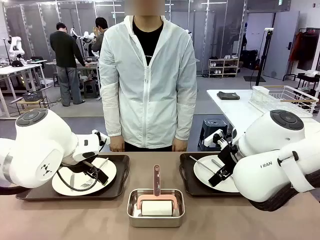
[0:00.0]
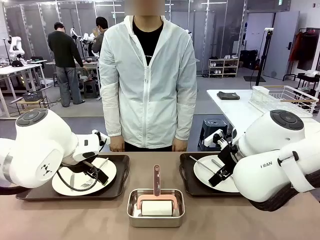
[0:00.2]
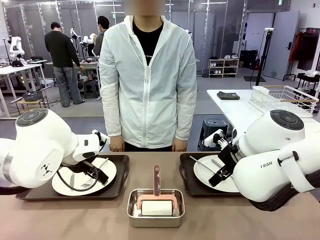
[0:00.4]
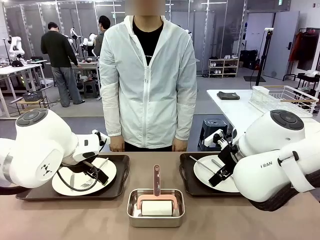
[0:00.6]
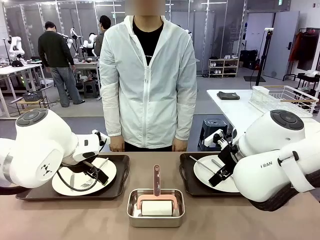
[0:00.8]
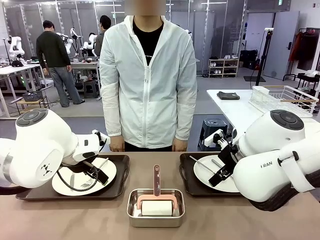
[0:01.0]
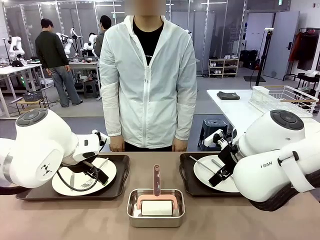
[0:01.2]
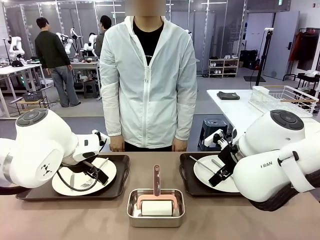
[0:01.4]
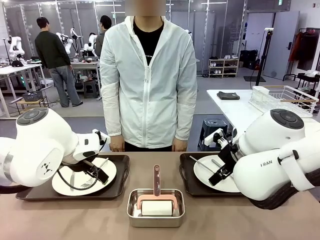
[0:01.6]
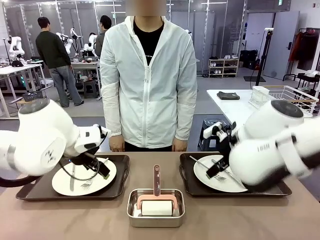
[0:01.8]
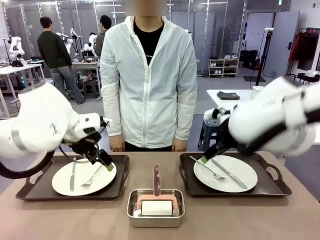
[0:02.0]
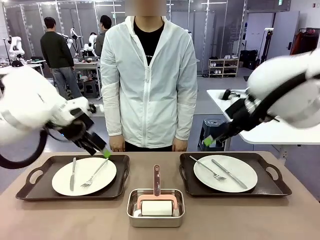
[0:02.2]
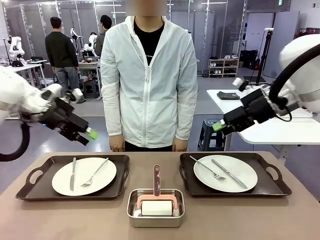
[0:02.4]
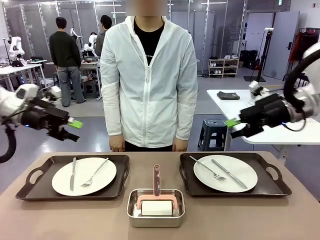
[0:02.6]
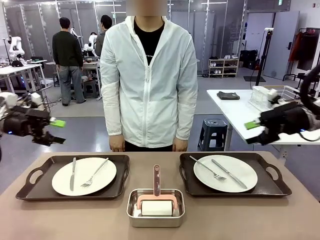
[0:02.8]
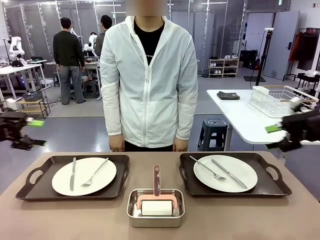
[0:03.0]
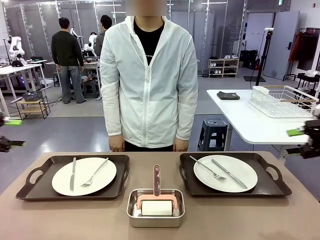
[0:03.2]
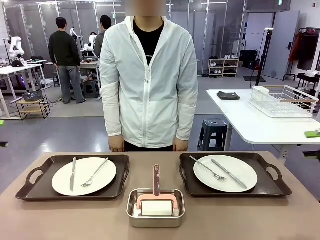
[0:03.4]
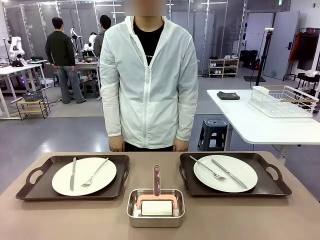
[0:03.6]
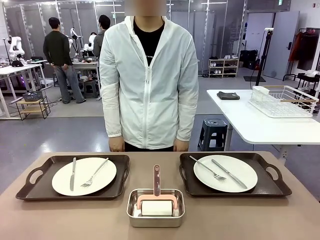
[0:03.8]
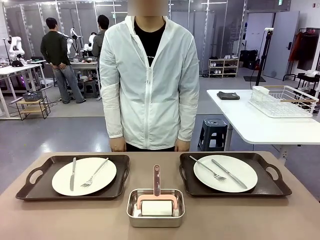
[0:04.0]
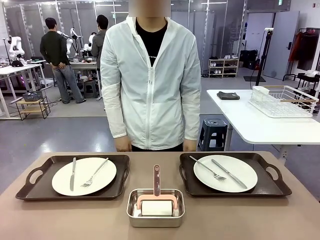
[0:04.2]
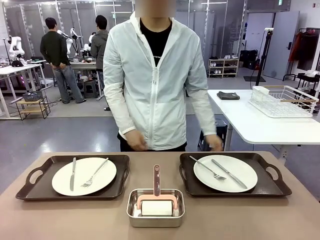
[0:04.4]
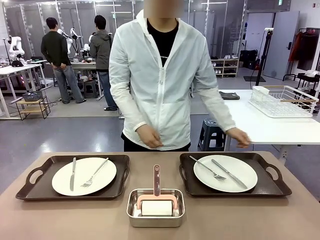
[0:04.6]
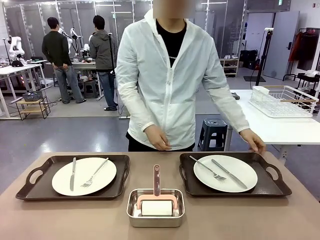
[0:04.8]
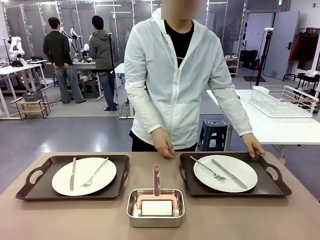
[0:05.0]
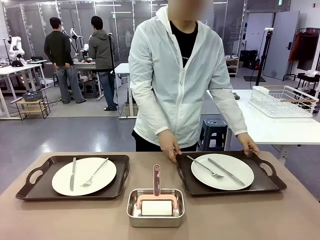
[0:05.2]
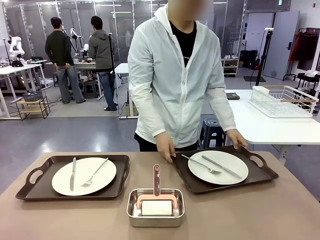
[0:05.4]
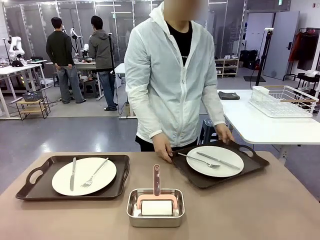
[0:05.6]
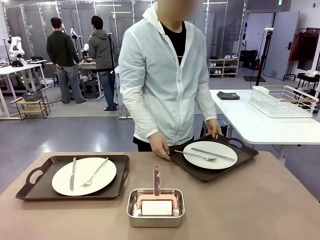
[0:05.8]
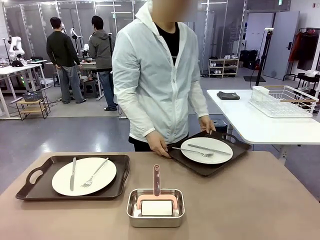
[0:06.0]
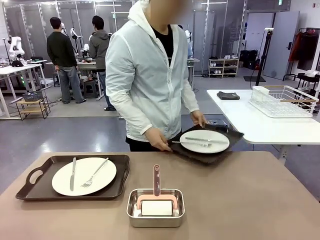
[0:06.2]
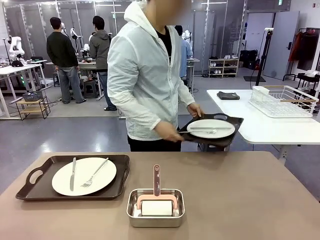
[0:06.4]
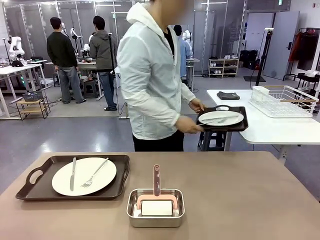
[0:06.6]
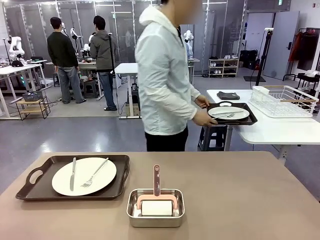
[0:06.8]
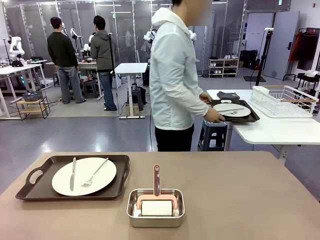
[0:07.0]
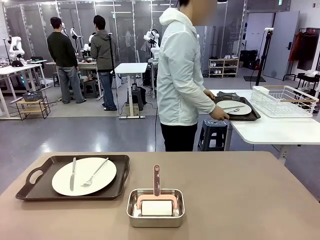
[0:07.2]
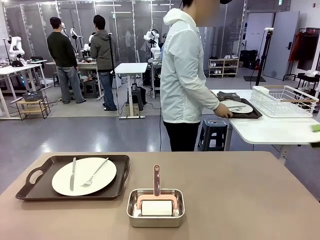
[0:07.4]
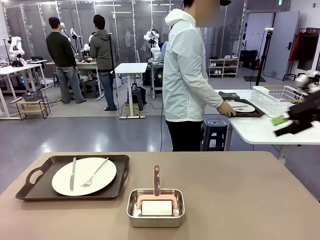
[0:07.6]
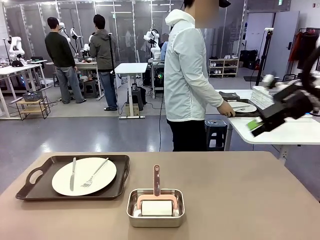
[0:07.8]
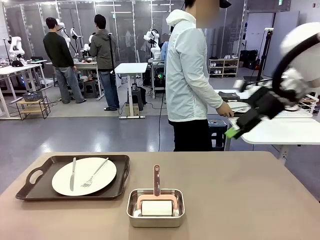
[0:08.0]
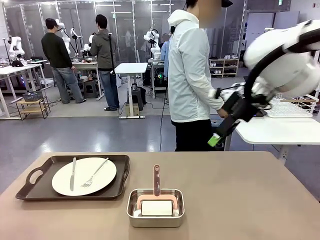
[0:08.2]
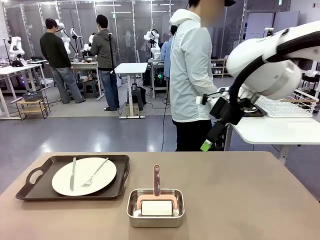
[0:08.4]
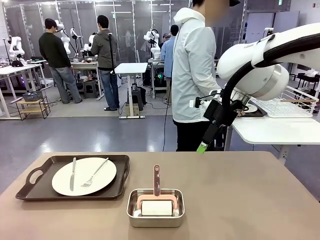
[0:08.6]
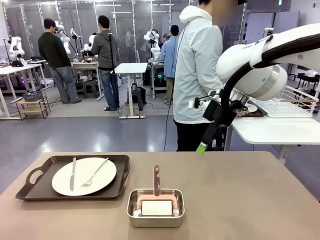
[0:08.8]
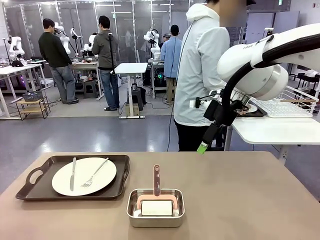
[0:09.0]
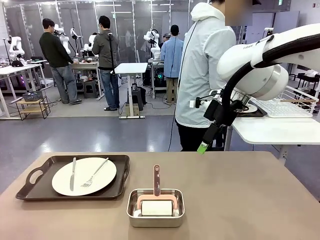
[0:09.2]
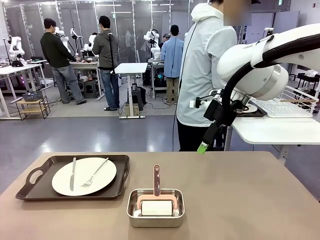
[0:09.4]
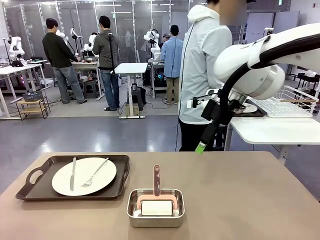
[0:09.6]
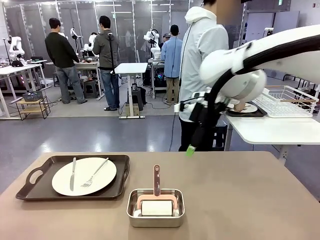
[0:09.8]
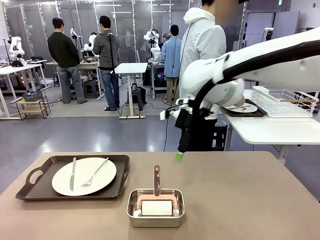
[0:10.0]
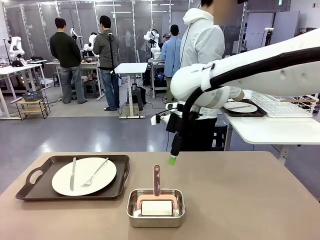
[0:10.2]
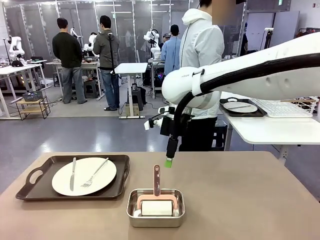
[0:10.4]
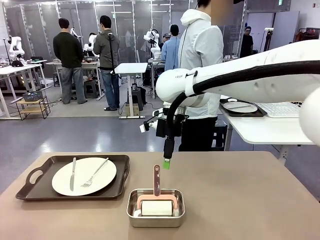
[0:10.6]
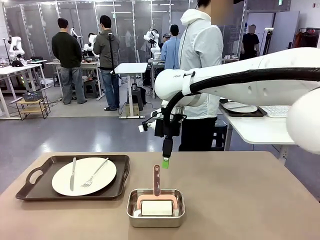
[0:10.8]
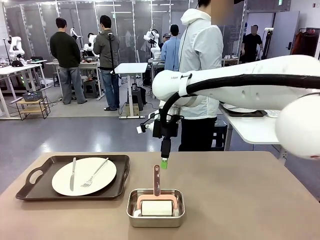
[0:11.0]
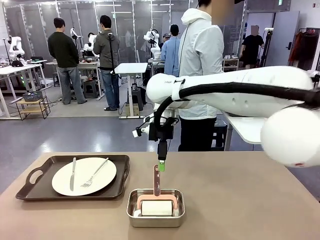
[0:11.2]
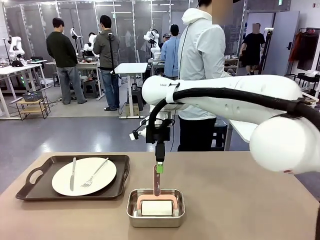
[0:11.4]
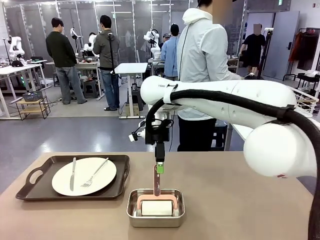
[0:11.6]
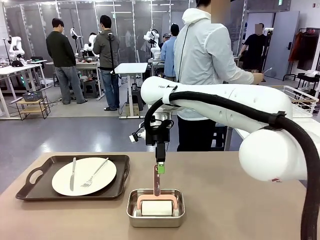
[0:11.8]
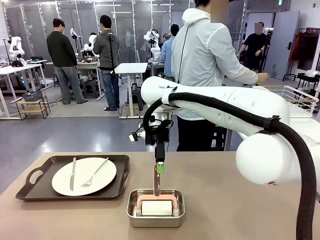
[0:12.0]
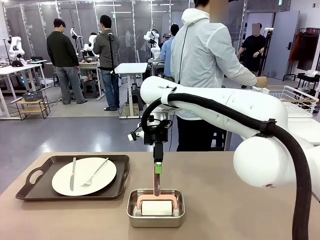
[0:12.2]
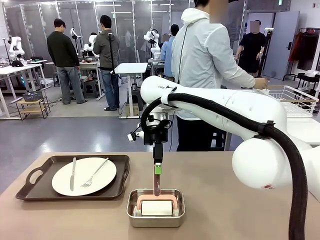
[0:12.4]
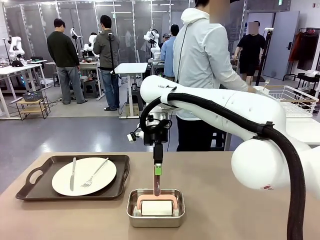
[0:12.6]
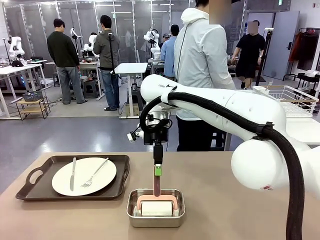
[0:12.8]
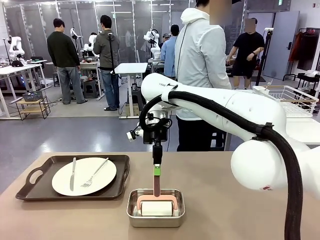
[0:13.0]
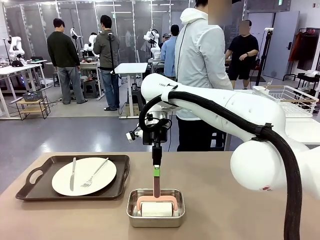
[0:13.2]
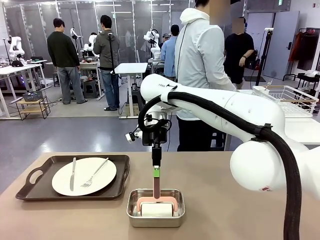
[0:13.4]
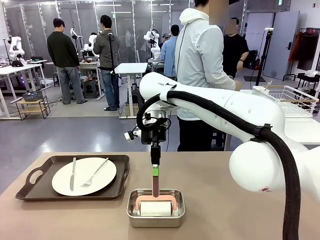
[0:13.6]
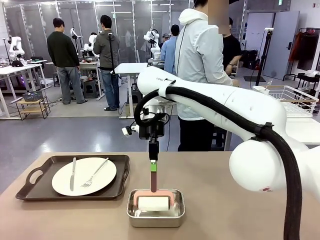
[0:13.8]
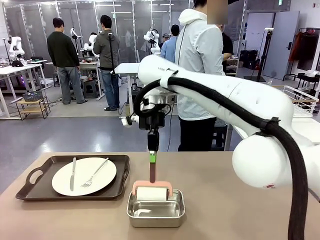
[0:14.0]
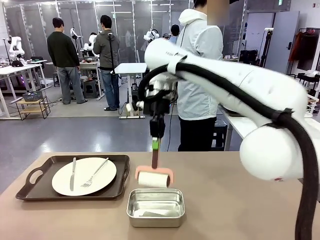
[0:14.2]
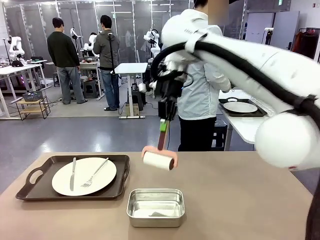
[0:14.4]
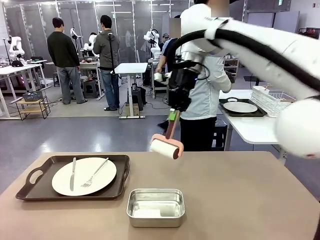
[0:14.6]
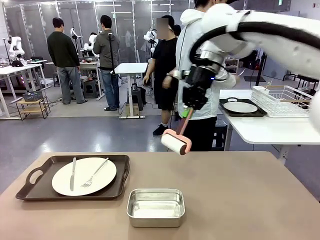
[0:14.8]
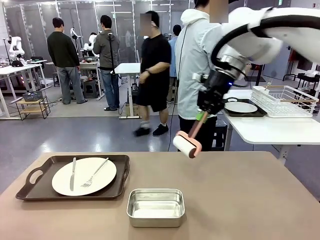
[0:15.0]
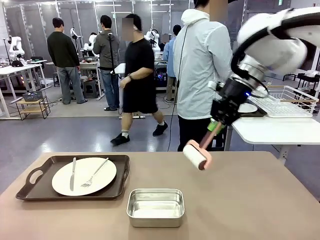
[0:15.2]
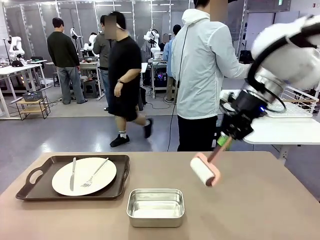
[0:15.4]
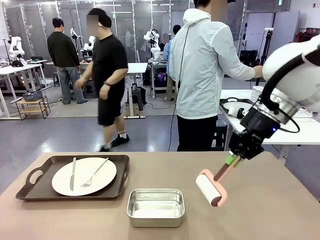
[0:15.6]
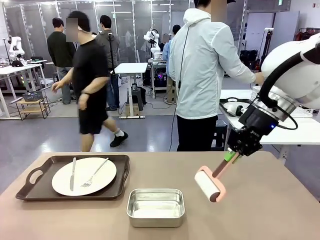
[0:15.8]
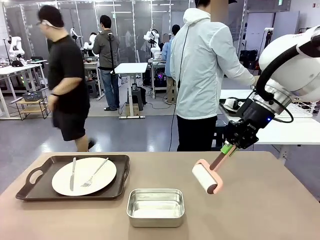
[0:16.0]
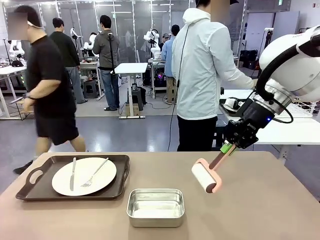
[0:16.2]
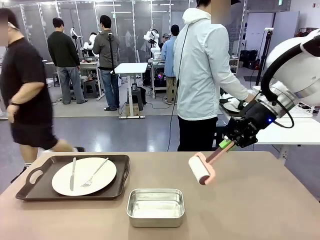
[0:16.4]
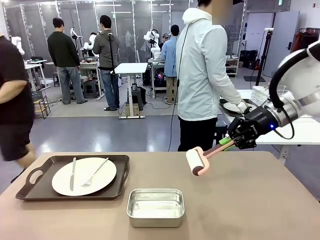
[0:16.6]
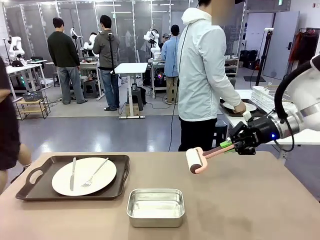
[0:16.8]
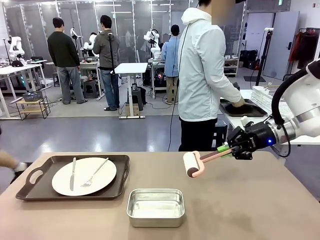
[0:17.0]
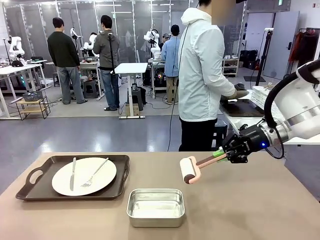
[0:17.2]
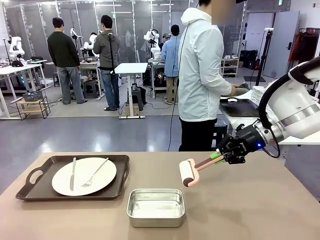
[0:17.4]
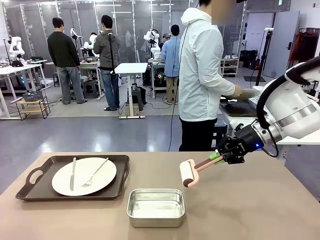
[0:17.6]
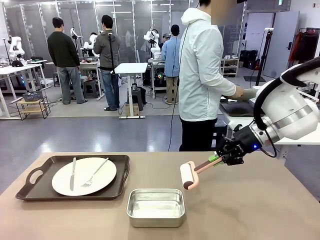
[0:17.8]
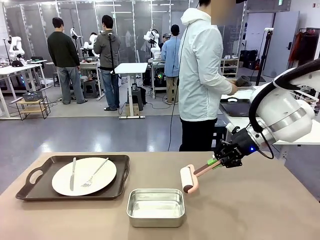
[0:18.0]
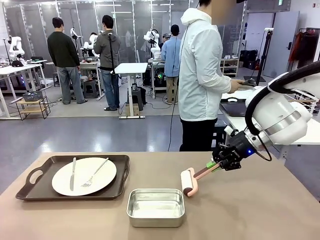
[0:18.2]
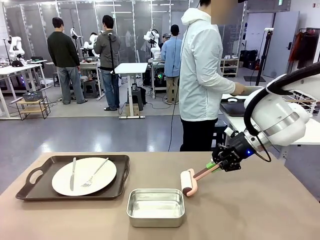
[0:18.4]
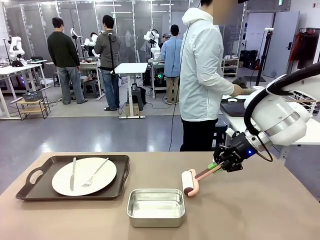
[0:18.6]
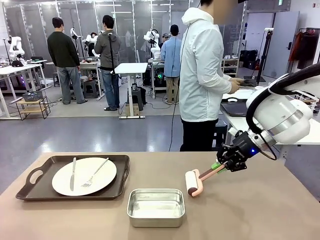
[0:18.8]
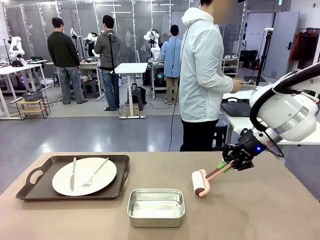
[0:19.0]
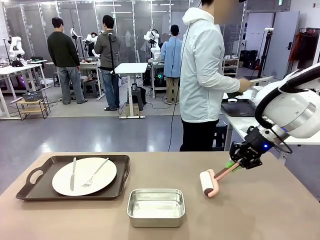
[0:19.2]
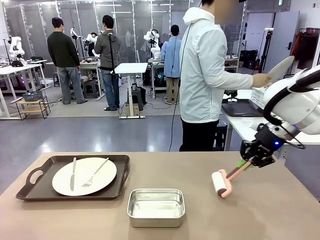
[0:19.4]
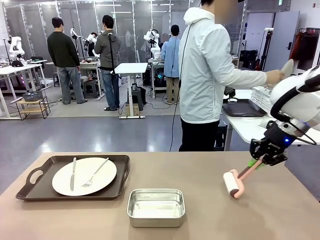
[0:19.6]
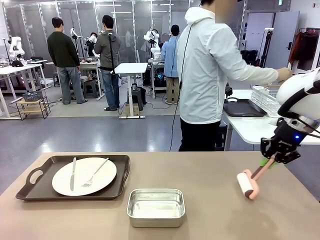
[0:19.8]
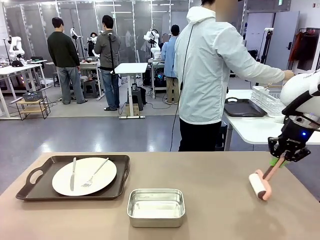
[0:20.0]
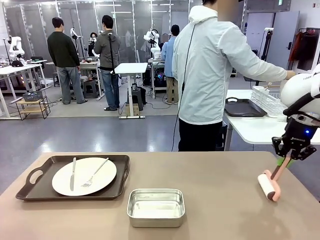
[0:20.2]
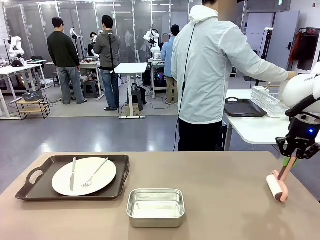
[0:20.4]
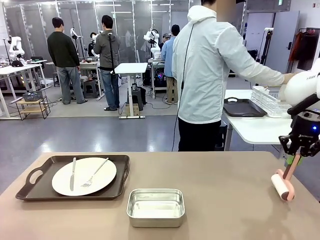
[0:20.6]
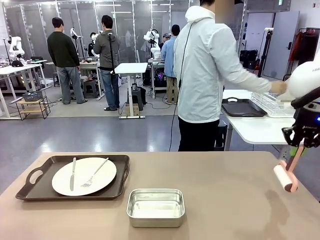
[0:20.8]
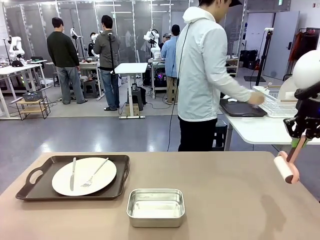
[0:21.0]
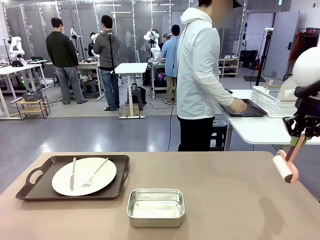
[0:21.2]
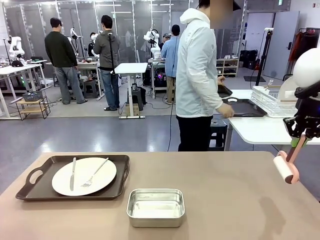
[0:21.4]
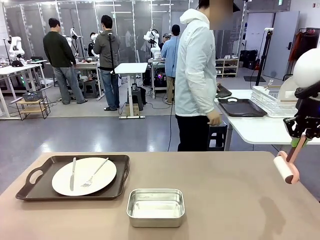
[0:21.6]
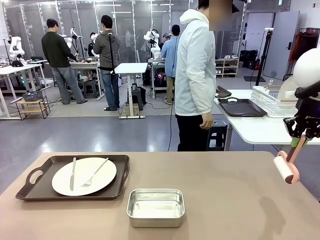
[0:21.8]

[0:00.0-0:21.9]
Robot: When the left (or right) Handle tray is removed, use the left hand (or right hand) to clean the left (or right) side of the table with the Lint Roller.
Person: Pick up the left (or right) Handle tray and place it on the middle of the Human's table. Use the Towel with hook to wipe the Plastic Matte Plate , Fork , and Knife and place into the Dish drying rack.
